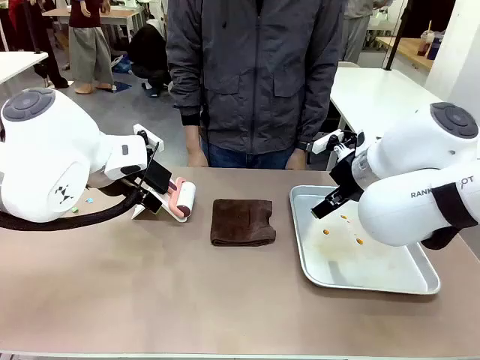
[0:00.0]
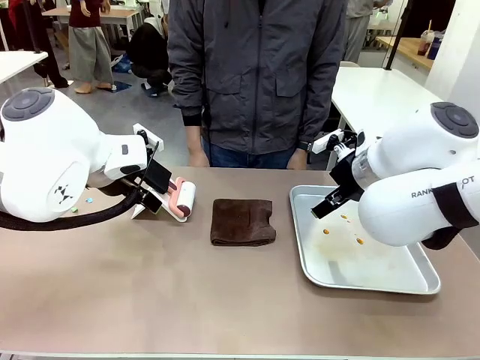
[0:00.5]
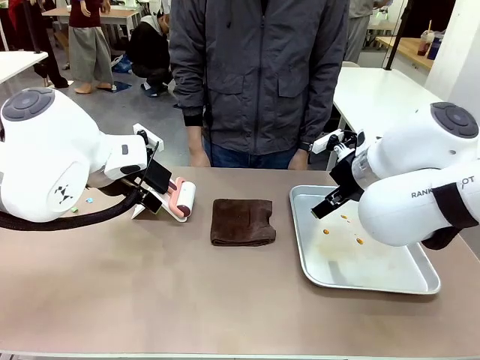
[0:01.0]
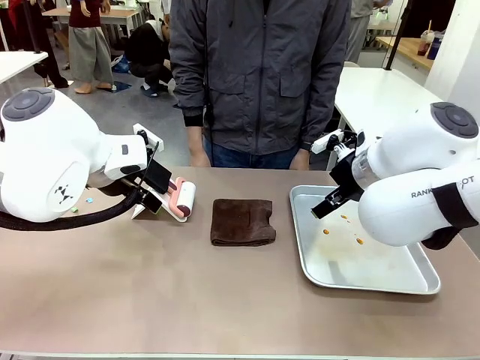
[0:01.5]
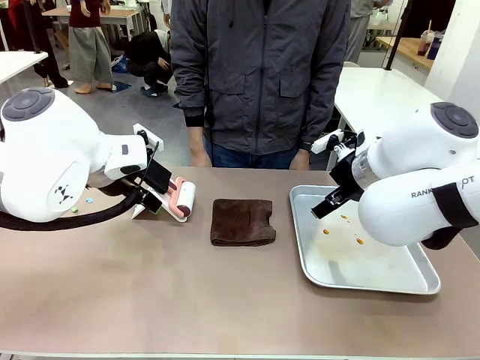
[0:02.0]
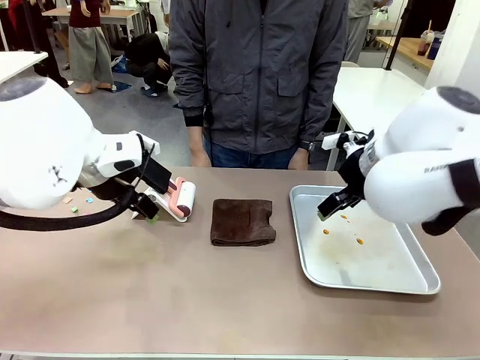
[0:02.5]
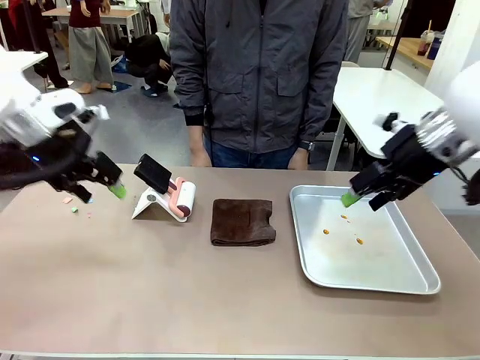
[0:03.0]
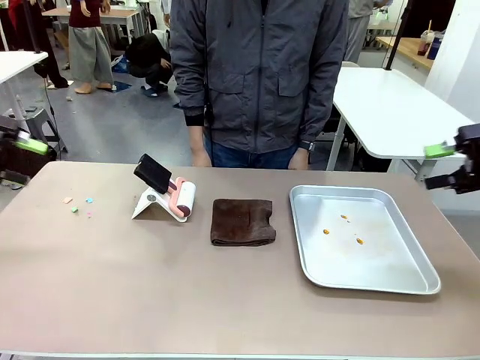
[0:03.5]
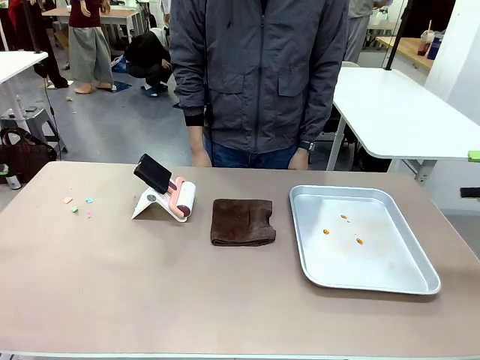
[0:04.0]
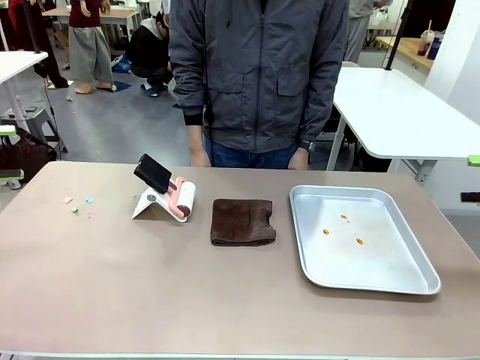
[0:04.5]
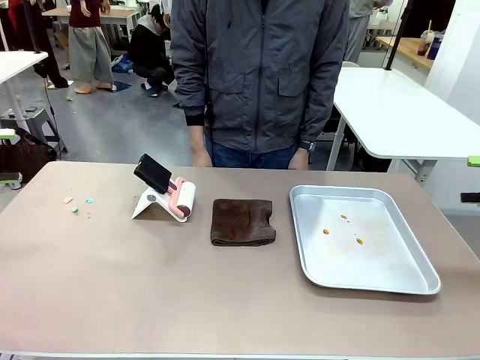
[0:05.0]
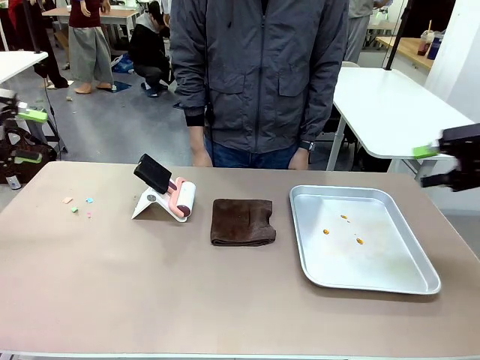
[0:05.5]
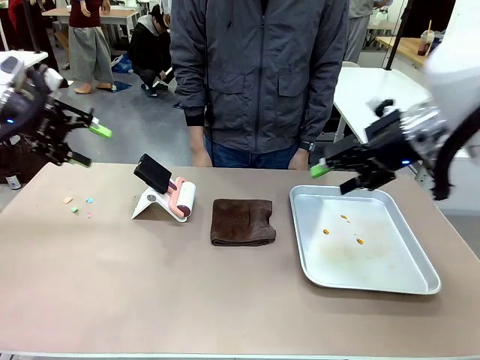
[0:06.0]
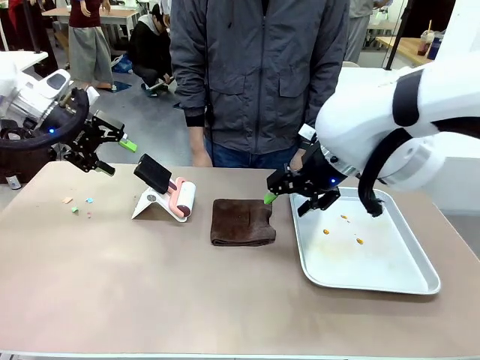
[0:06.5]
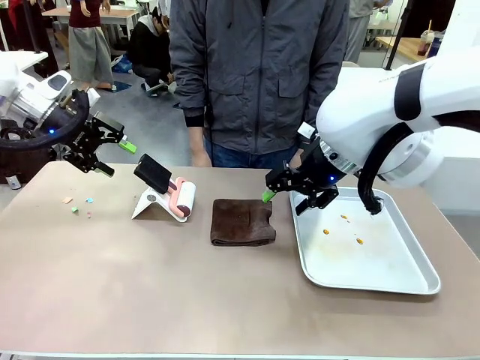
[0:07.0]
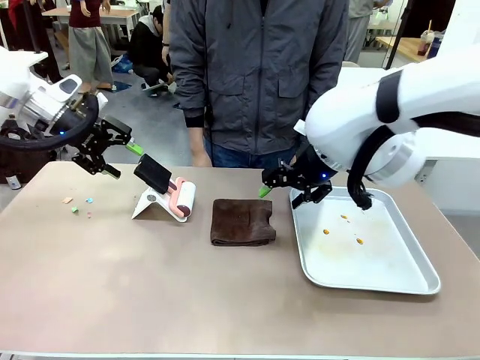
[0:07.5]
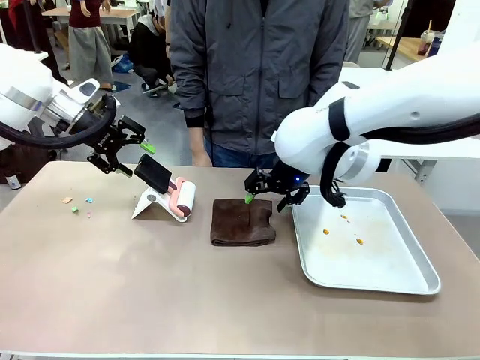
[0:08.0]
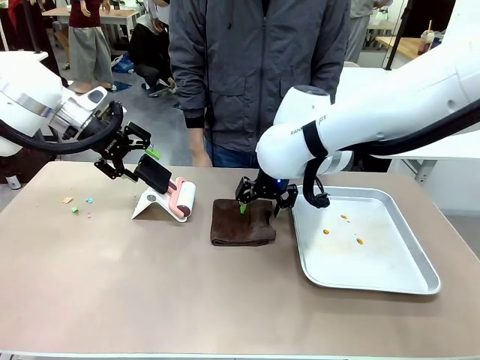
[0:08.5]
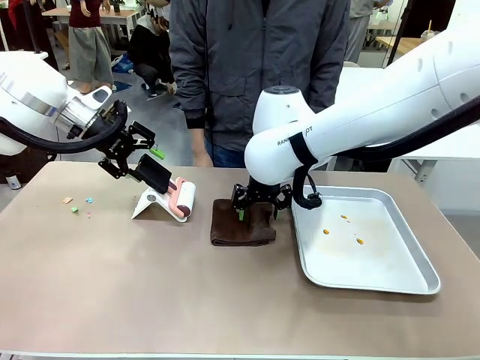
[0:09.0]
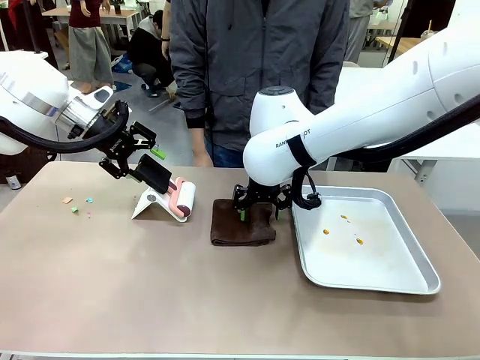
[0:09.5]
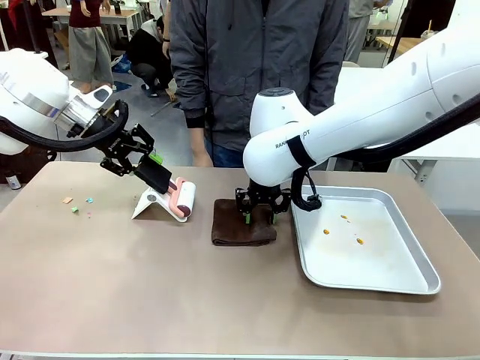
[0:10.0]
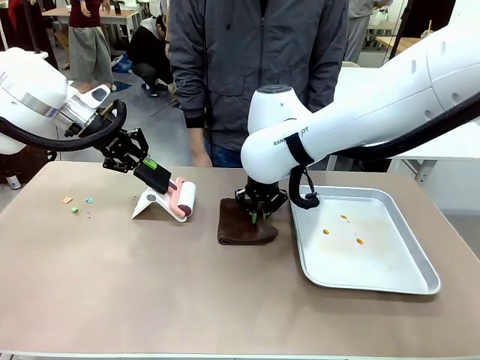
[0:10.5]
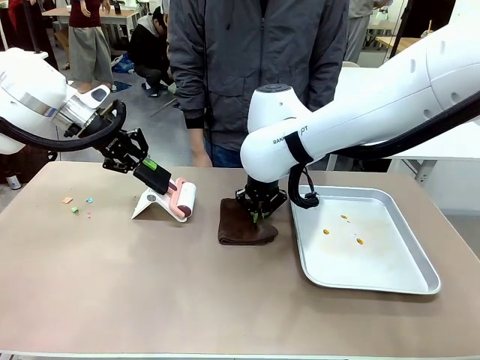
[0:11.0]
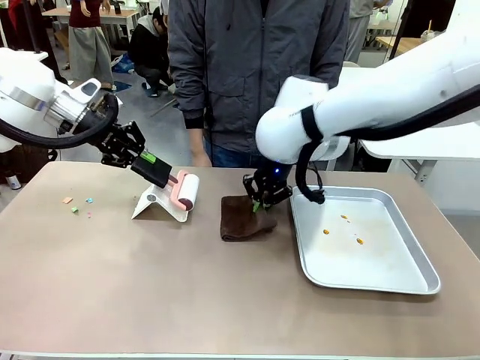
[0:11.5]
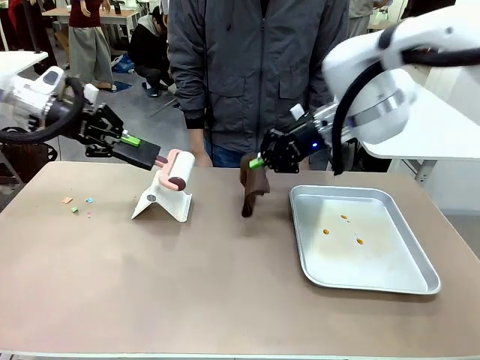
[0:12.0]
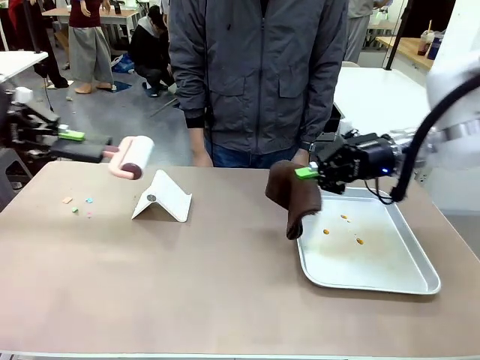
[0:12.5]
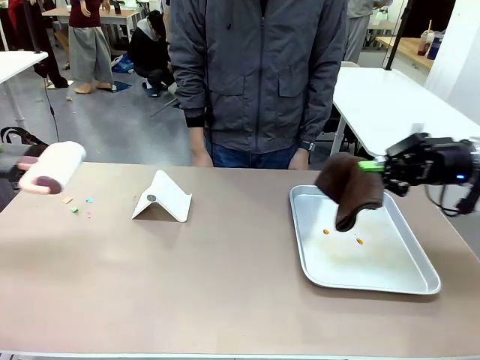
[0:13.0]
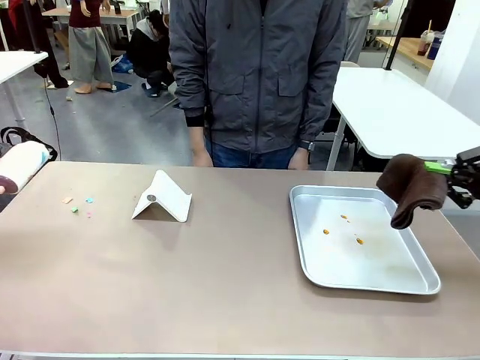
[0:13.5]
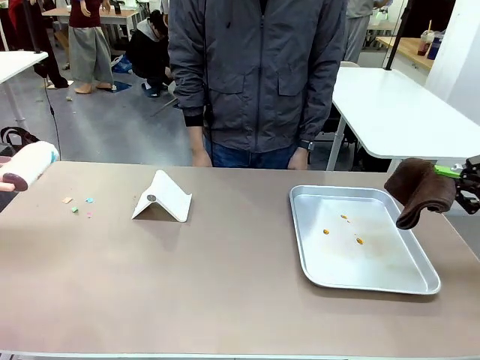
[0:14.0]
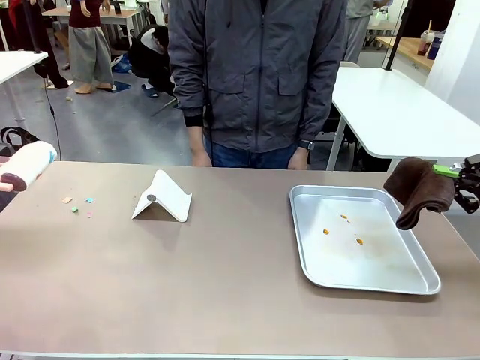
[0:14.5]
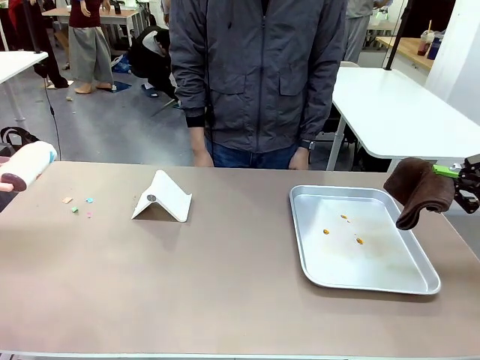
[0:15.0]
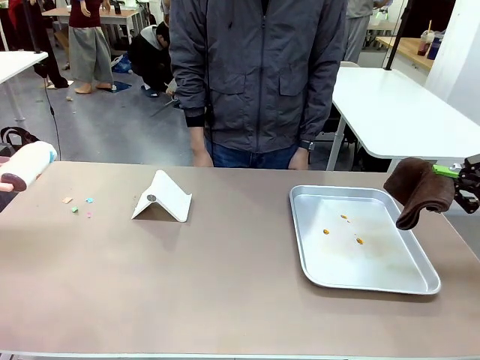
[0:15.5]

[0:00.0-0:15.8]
Task: Clean the surface of the table.
Robot: Hold the Lint Roller with your left hand and the towel with your right hand.

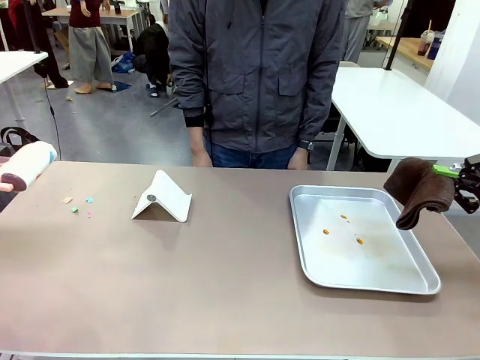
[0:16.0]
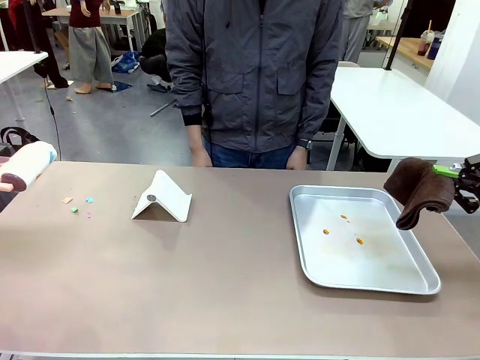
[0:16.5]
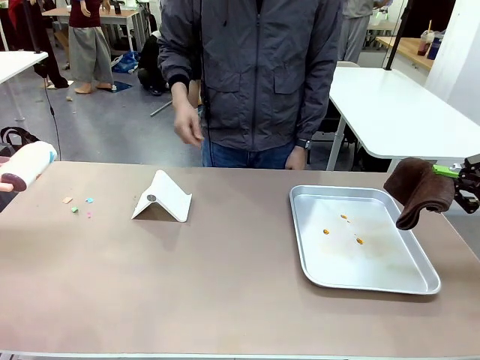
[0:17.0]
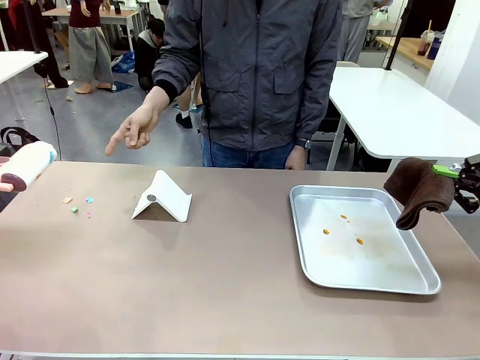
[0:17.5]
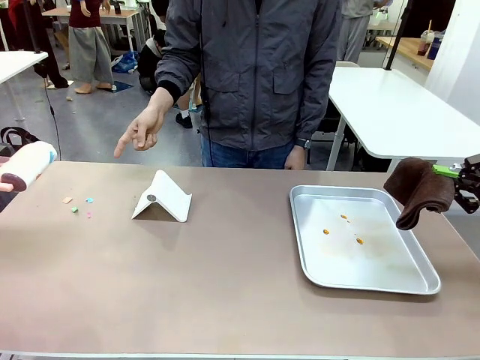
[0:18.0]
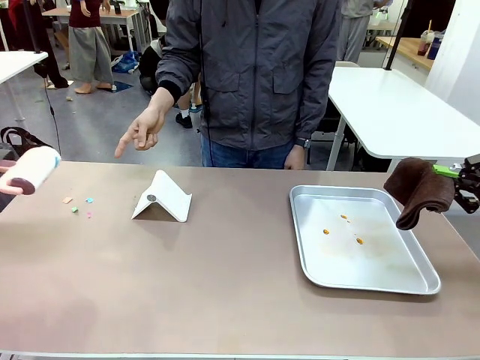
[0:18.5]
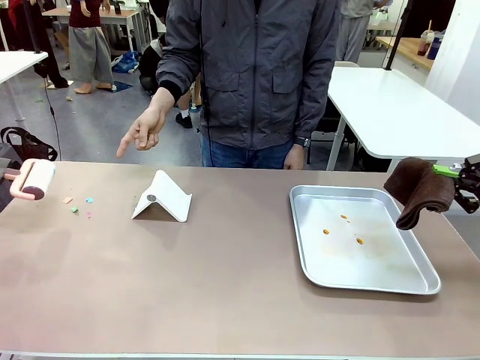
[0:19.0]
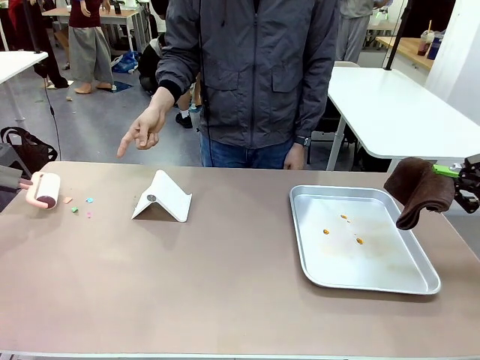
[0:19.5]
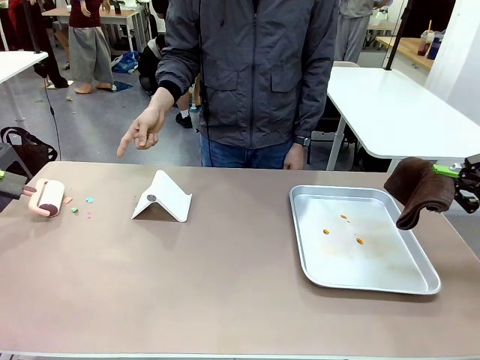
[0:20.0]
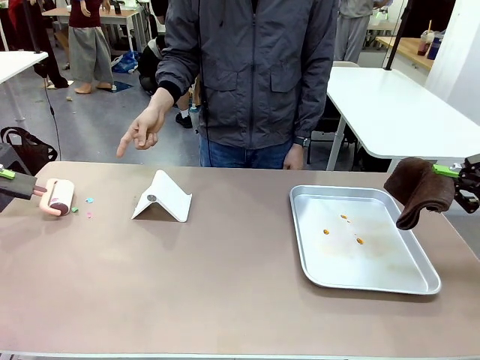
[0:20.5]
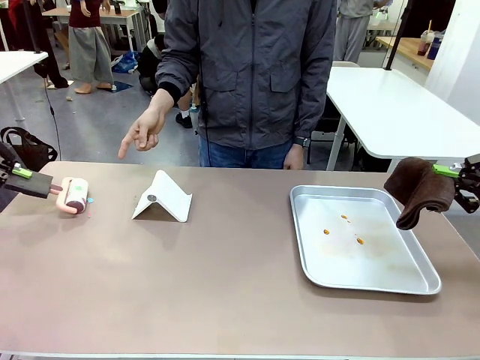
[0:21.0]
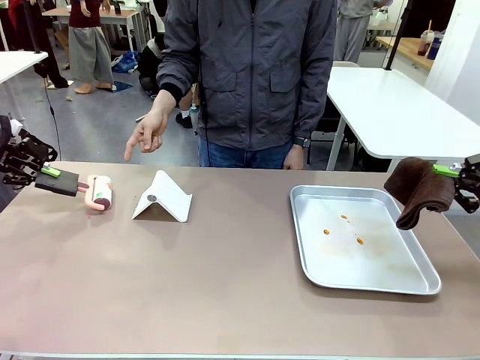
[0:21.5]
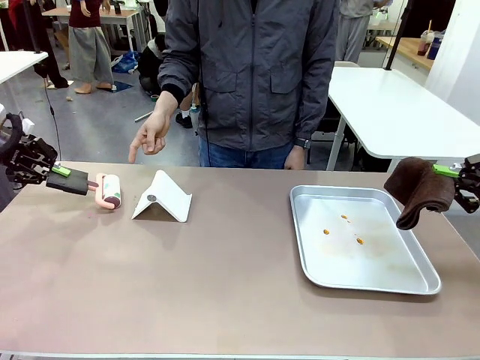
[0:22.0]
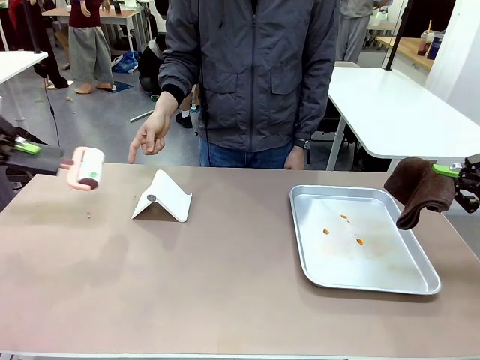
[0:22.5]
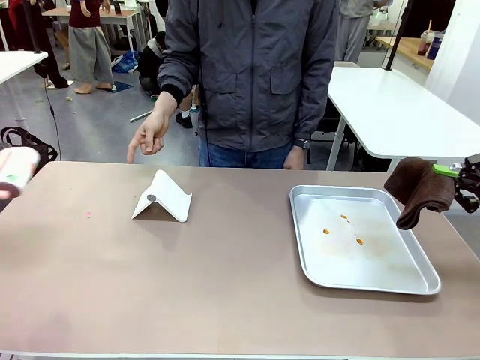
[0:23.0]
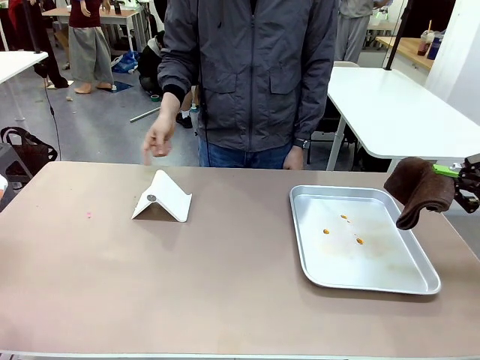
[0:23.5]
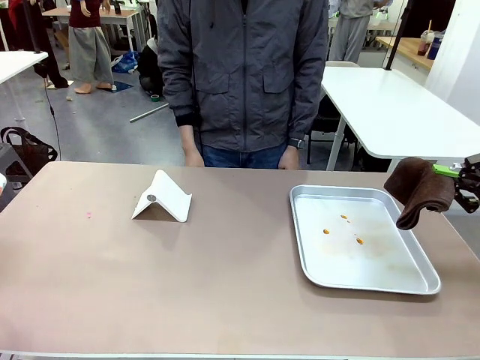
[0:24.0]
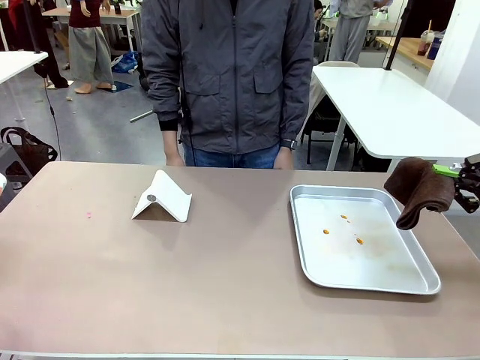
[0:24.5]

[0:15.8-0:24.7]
Robot: If a person points to the right, clean the right side of the table with your right hand, and if they point to the left, clean the left side with your left hand.
